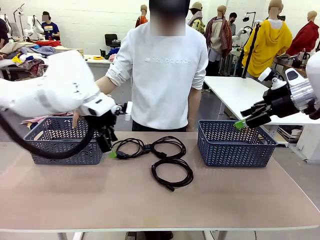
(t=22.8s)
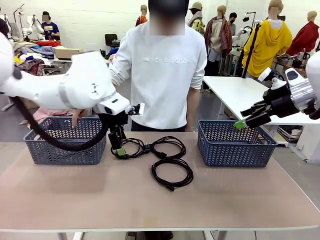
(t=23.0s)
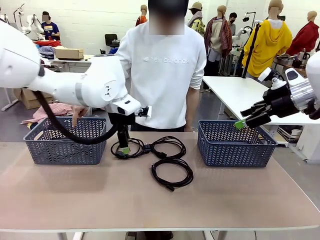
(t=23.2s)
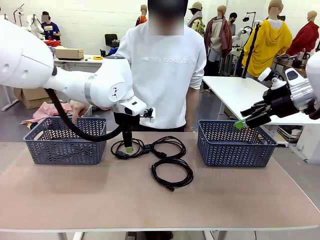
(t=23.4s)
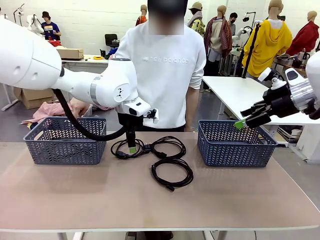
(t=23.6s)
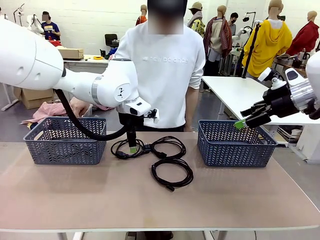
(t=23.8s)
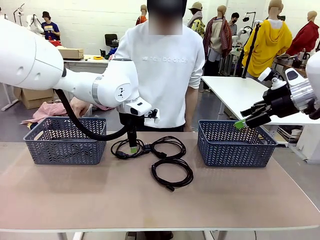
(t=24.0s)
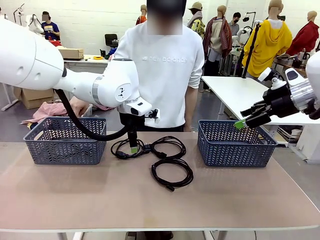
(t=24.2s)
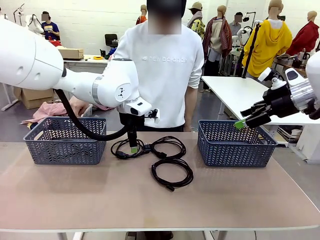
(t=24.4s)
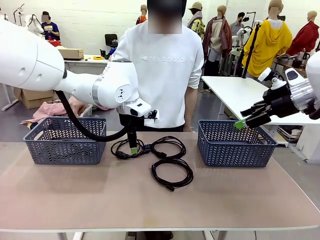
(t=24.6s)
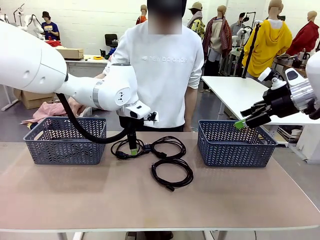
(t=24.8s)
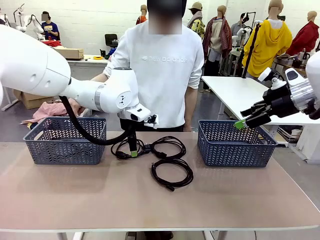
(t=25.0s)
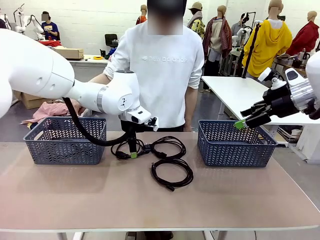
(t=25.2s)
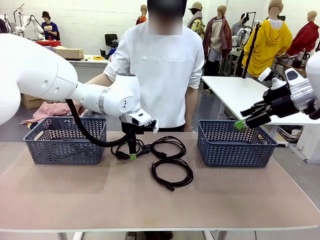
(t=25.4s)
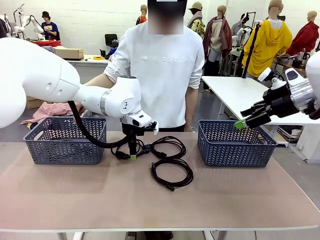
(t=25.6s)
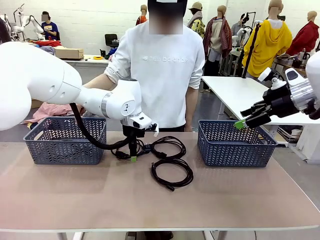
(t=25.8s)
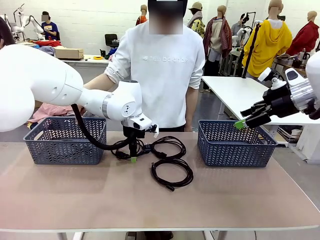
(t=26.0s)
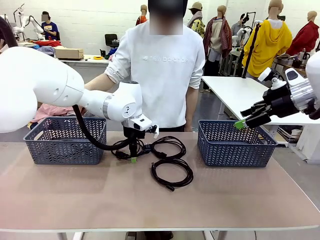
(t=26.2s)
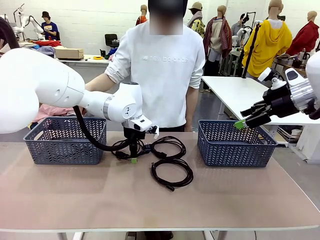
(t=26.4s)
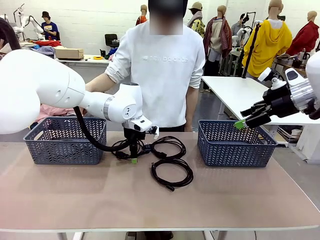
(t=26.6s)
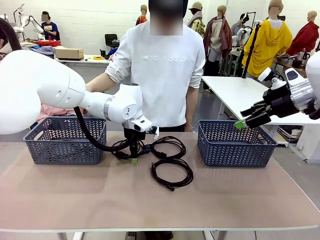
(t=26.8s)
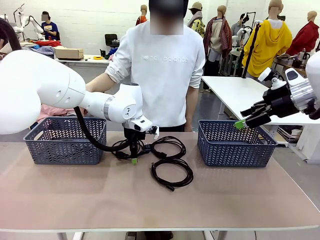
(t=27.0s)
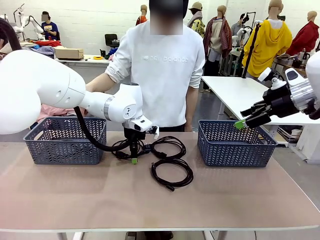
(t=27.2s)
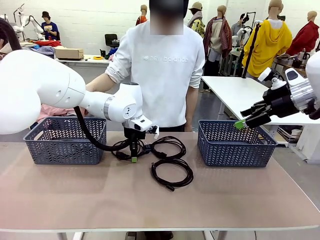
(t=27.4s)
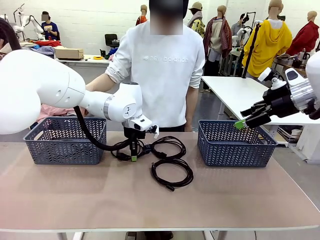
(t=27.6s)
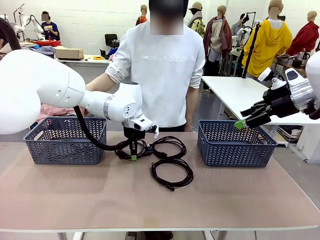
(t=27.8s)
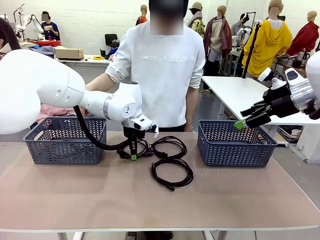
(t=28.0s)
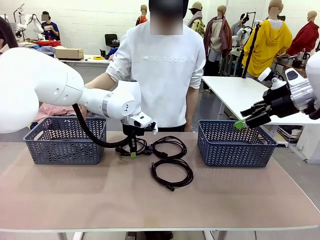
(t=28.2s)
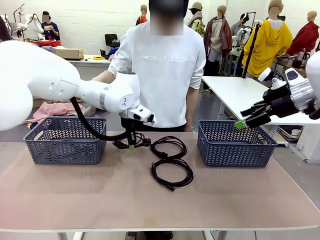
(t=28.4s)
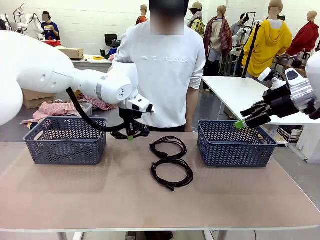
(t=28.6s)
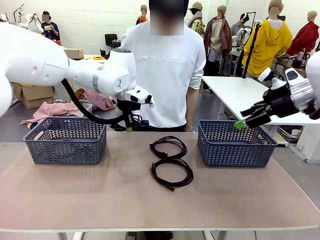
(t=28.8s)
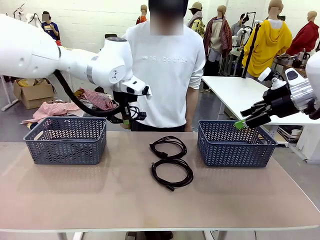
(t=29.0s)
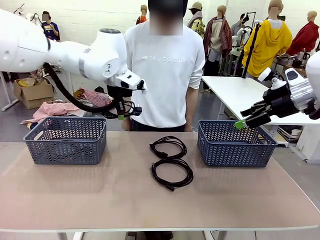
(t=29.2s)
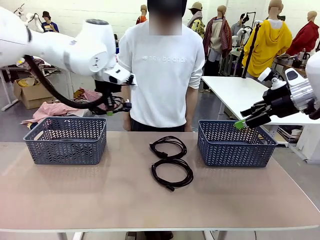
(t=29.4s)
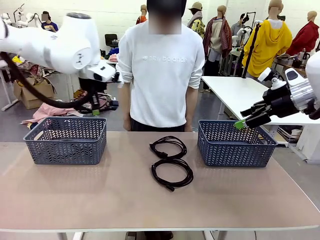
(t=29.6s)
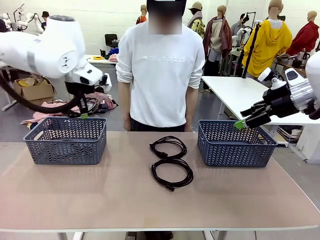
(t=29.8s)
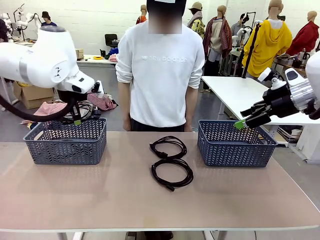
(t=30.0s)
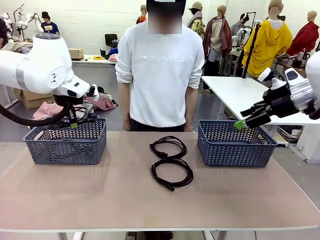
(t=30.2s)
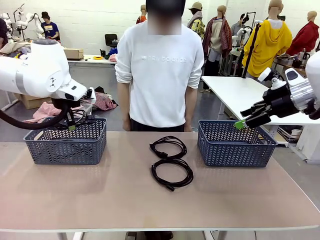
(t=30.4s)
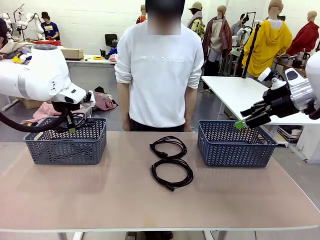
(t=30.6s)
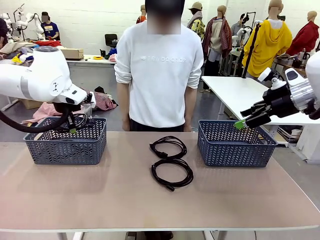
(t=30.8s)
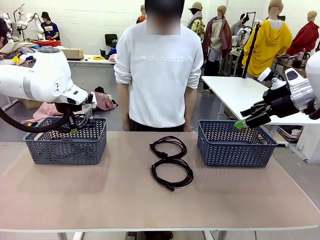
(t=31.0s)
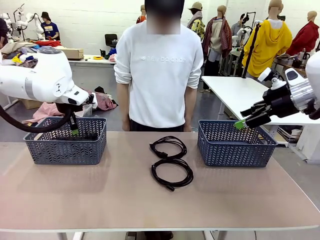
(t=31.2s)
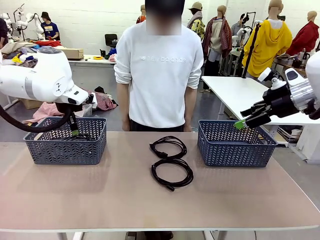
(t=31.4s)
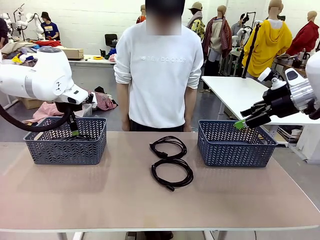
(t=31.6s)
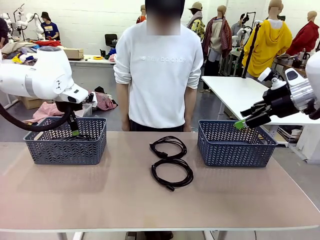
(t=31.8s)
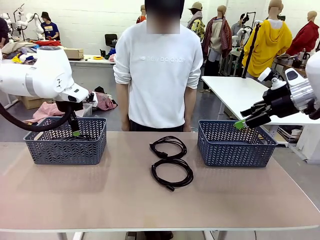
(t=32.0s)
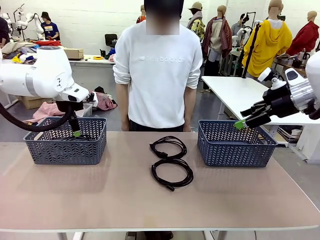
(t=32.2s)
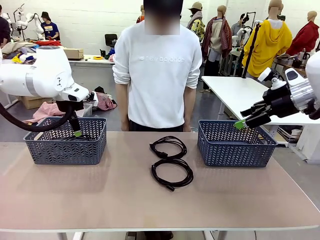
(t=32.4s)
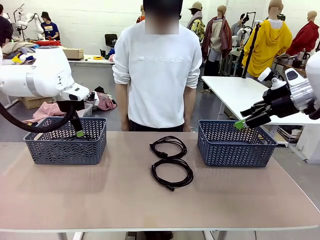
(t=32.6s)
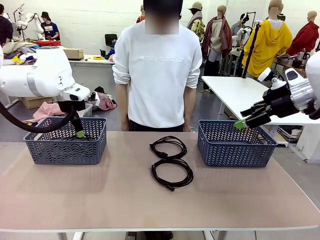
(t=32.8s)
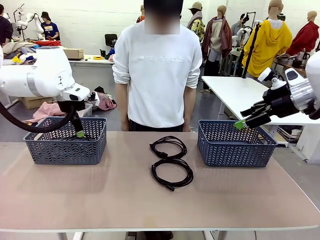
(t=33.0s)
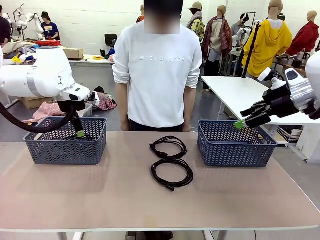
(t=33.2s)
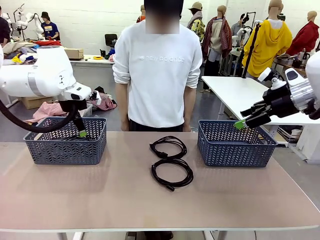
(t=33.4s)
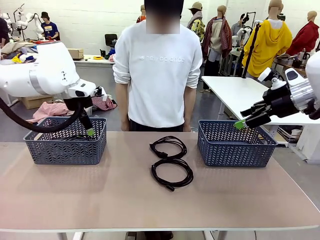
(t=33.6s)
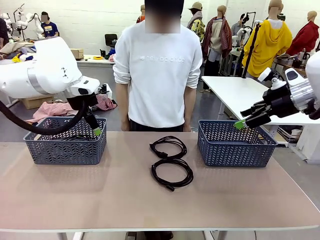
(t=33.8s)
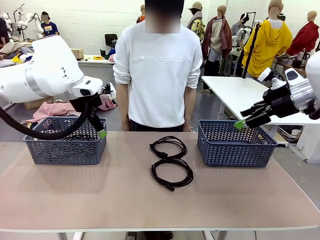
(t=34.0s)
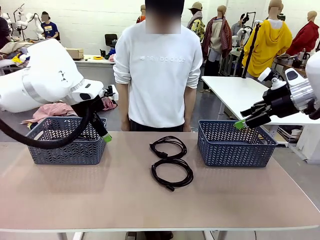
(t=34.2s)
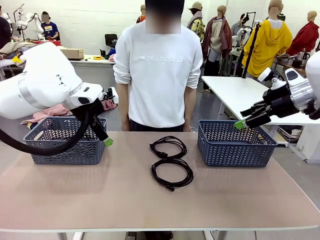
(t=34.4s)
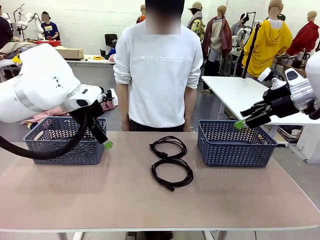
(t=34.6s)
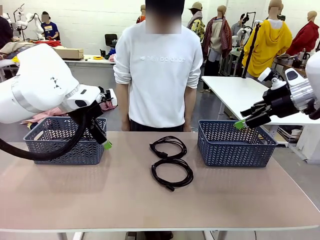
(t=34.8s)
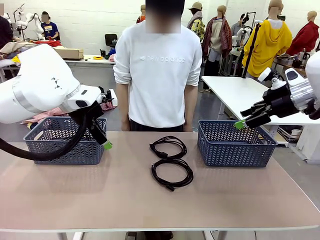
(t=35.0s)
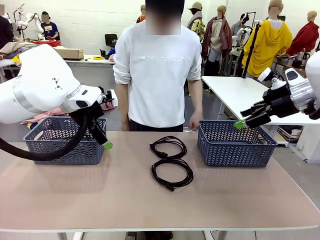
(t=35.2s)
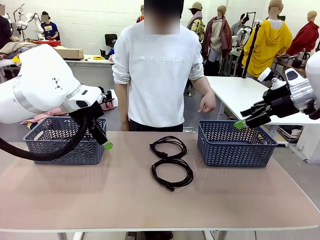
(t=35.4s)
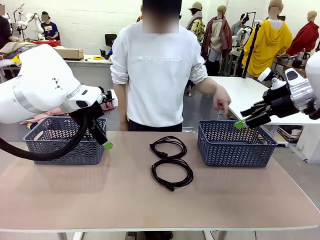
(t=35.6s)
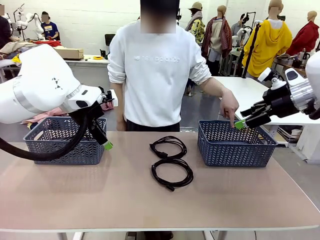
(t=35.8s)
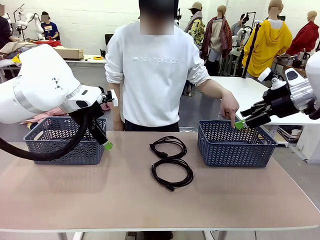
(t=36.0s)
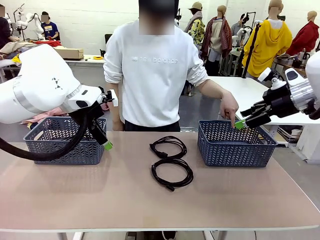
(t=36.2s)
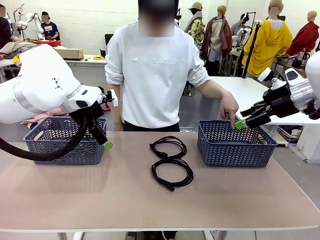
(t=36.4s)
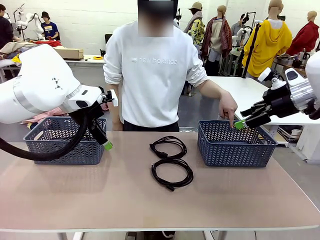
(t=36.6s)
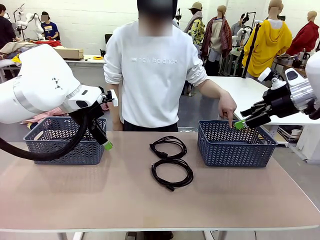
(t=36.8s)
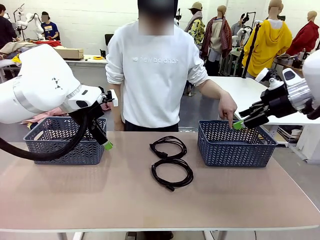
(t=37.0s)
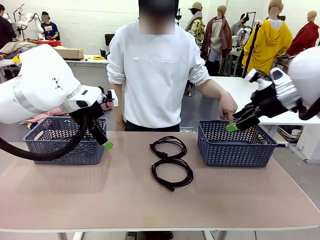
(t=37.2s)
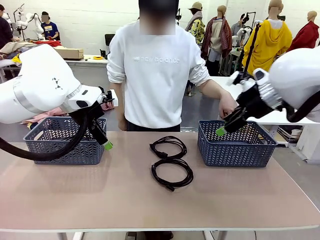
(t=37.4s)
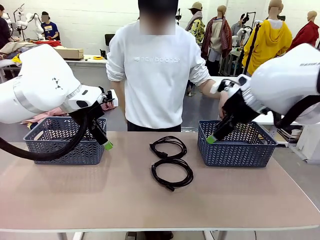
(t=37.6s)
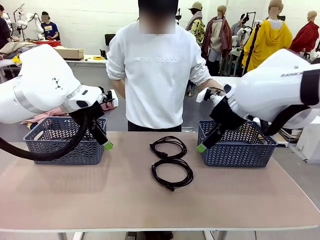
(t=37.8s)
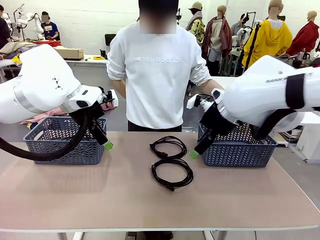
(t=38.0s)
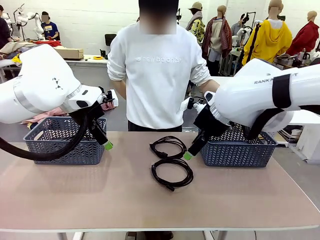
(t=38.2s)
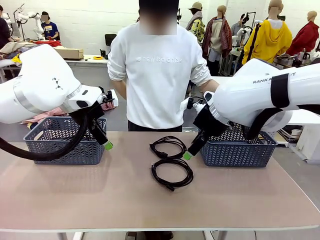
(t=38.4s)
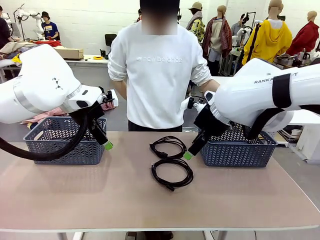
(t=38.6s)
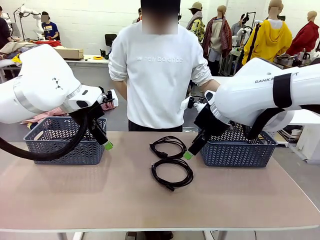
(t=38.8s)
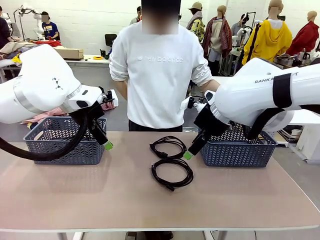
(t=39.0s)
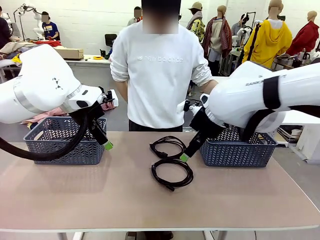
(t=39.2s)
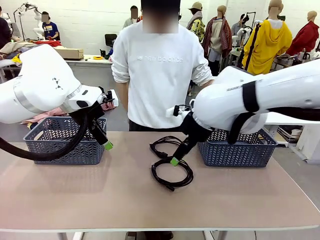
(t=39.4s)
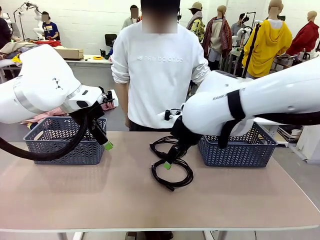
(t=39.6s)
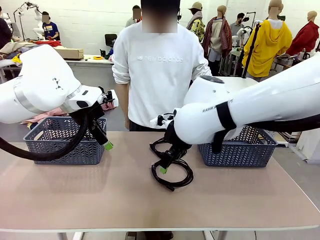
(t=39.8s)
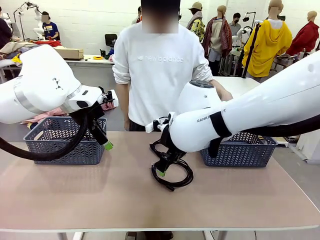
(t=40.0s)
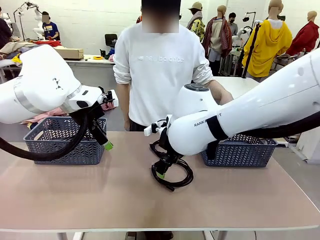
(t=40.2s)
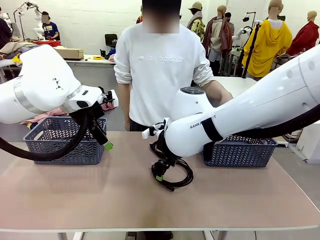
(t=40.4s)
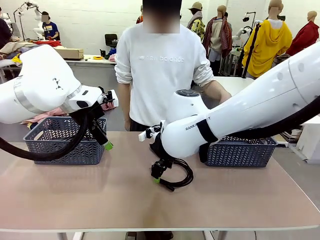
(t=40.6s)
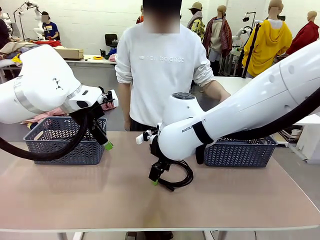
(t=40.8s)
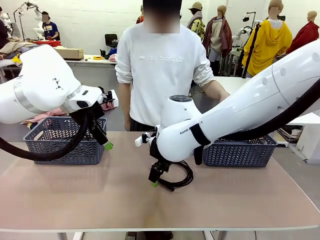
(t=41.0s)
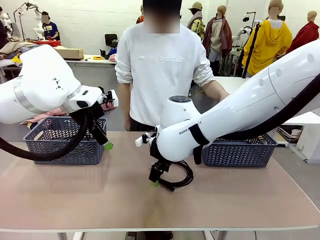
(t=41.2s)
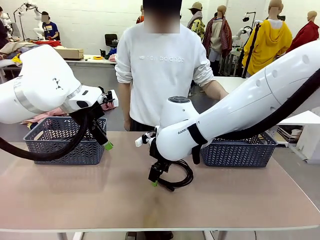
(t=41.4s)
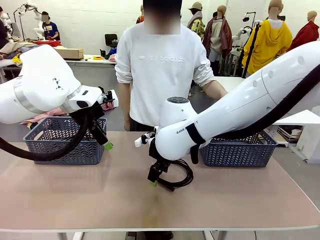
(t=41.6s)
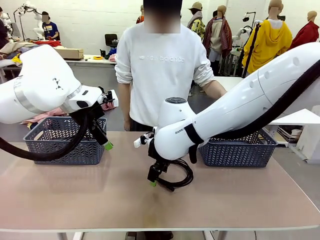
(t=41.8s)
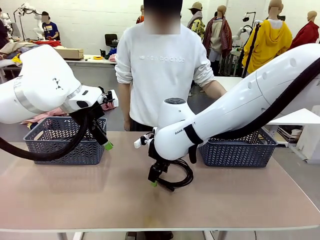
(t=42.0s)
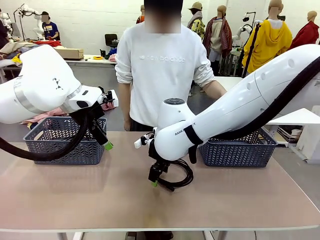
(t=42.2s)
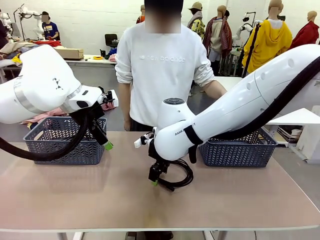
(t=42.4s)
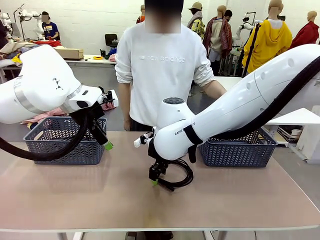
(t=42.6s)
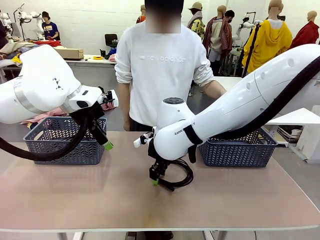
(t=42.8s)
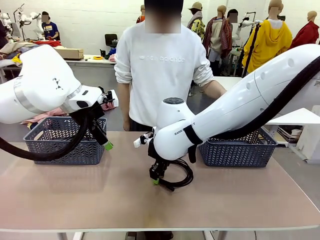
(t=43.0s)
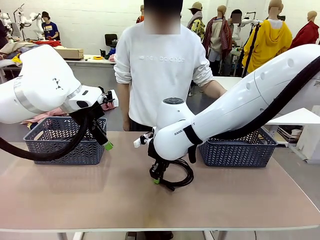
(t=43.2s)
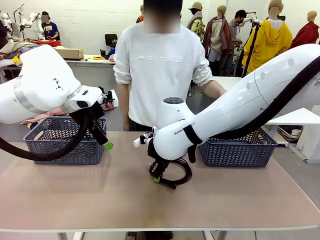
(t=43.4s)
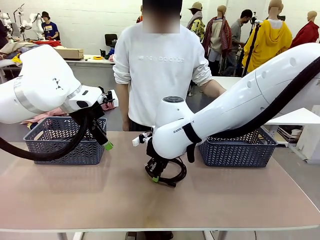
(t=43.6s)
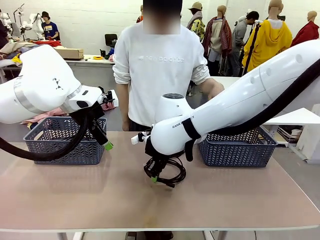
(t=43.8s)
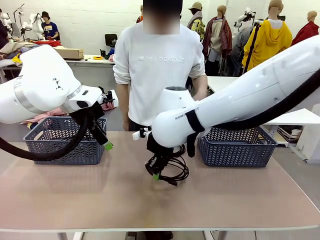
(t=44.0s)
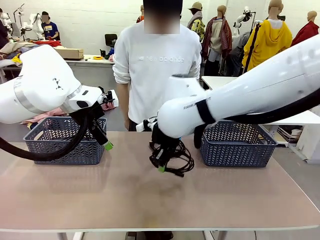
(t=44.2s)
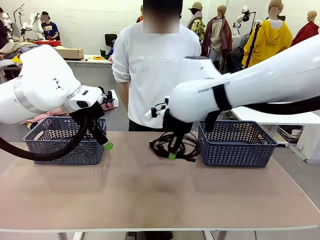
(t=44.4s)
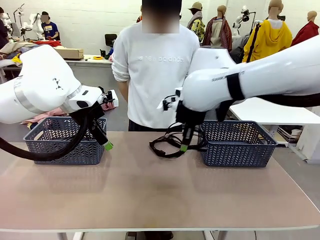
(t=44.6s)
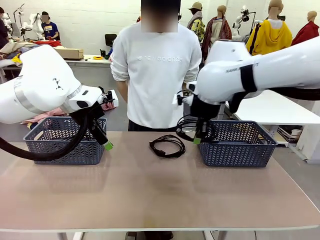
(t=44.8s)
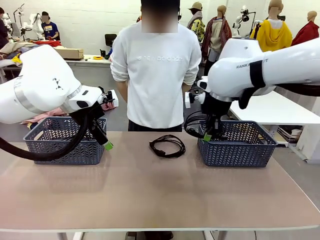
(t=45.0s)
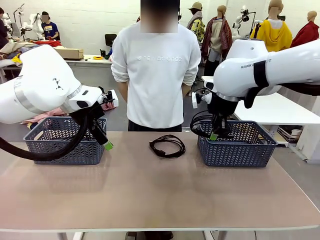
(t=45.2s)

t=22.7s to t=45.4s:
Task: Organize the cables according to human instructions.
Robot: Pick up a bundle of cables and place it in the basket indicated by the human.
